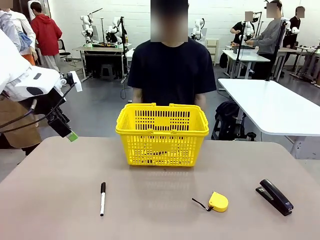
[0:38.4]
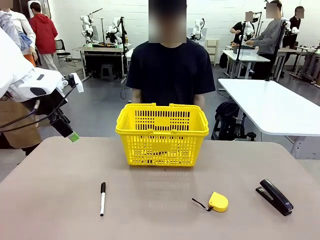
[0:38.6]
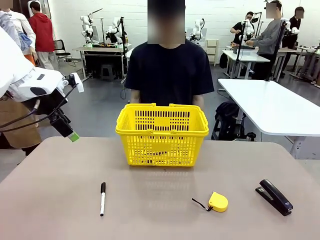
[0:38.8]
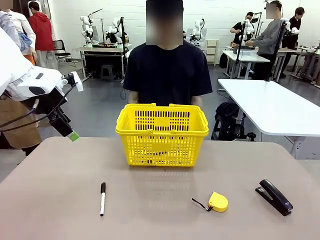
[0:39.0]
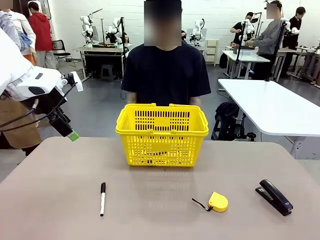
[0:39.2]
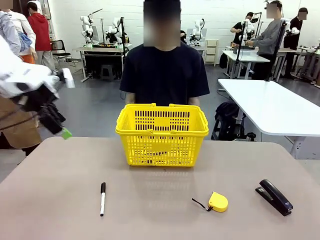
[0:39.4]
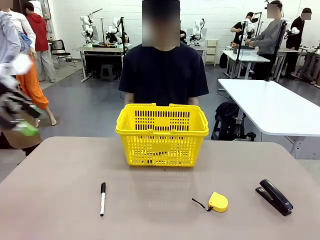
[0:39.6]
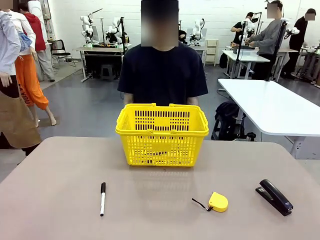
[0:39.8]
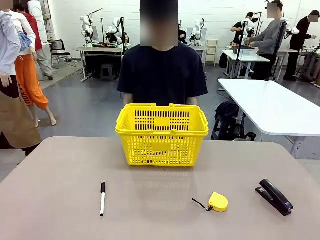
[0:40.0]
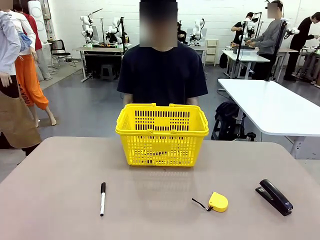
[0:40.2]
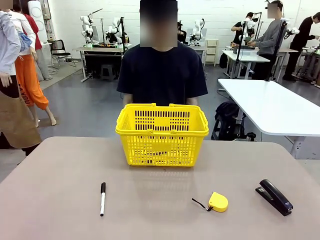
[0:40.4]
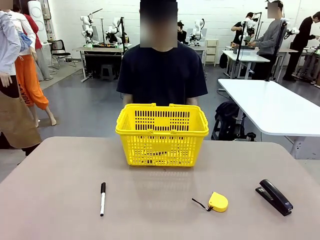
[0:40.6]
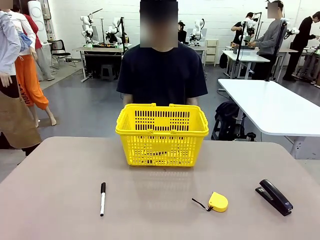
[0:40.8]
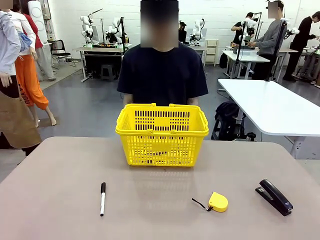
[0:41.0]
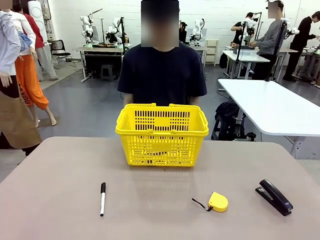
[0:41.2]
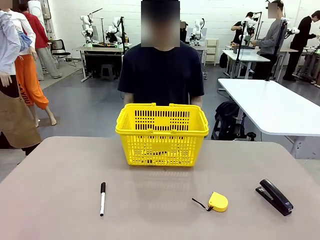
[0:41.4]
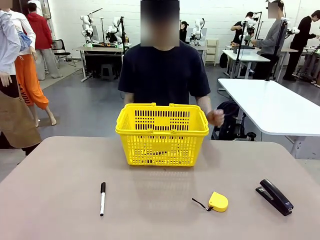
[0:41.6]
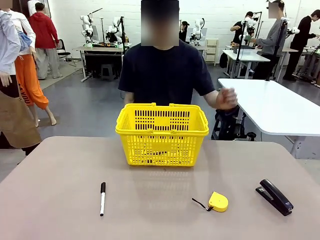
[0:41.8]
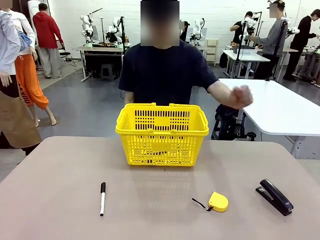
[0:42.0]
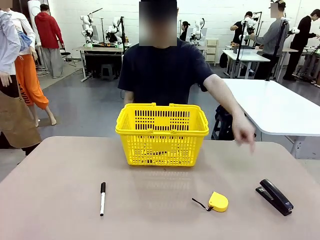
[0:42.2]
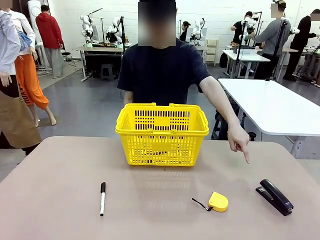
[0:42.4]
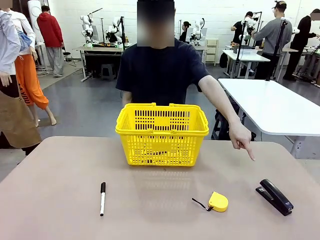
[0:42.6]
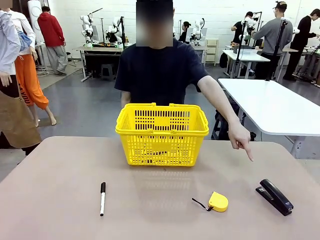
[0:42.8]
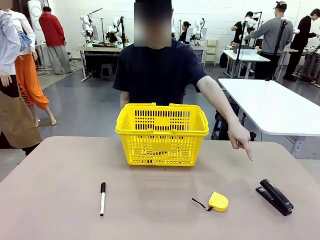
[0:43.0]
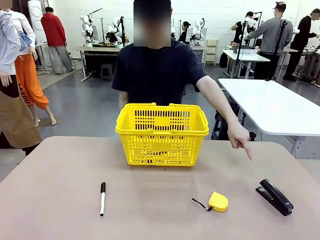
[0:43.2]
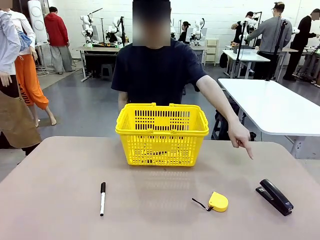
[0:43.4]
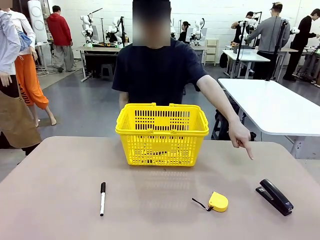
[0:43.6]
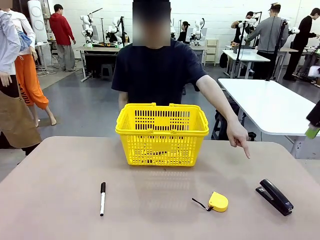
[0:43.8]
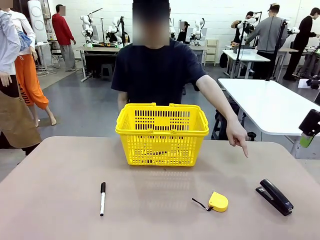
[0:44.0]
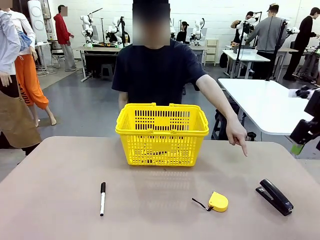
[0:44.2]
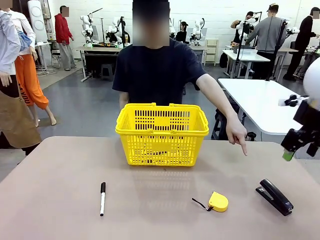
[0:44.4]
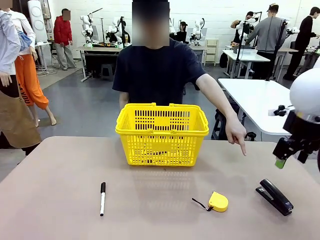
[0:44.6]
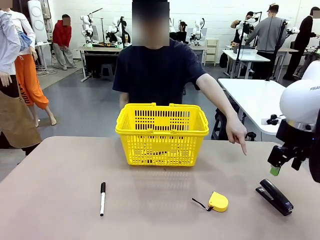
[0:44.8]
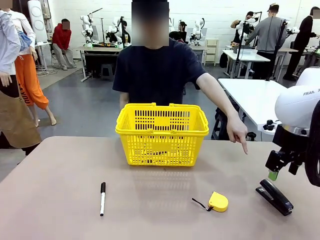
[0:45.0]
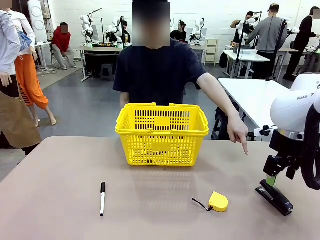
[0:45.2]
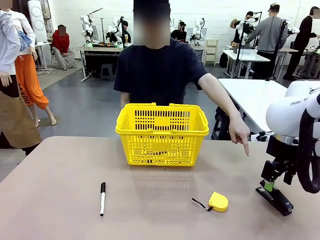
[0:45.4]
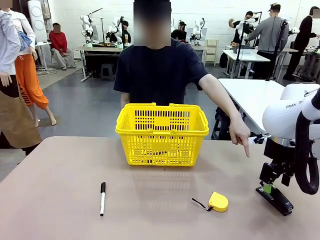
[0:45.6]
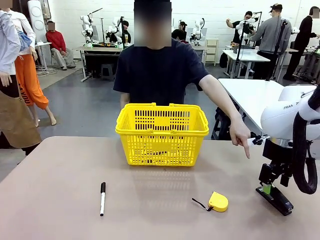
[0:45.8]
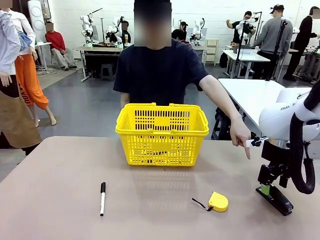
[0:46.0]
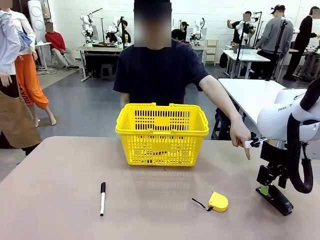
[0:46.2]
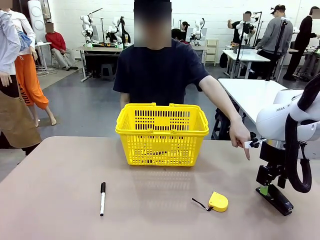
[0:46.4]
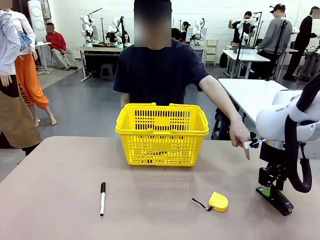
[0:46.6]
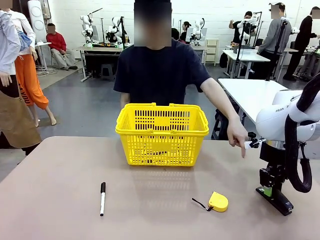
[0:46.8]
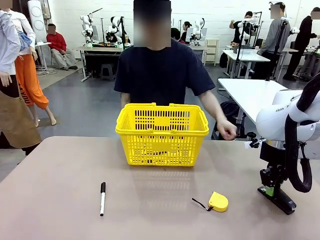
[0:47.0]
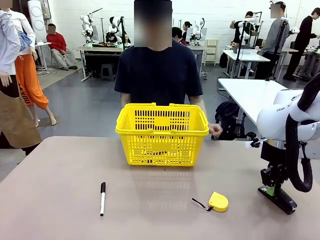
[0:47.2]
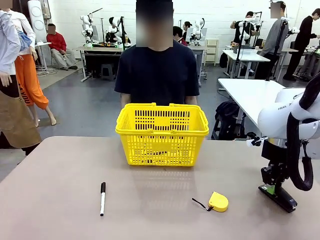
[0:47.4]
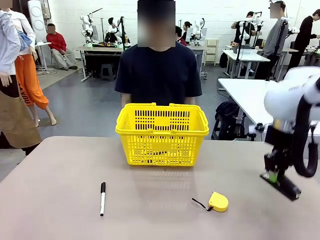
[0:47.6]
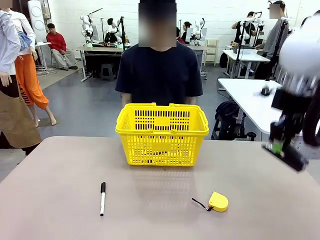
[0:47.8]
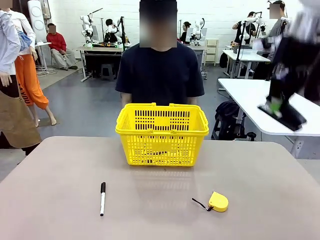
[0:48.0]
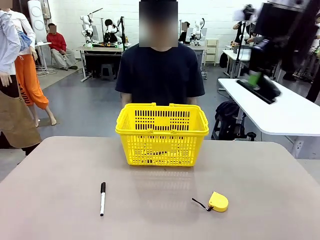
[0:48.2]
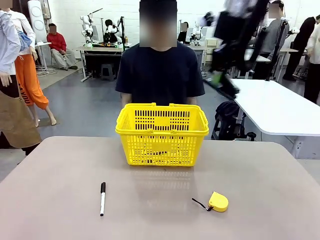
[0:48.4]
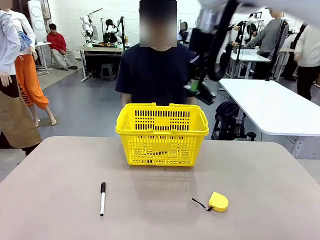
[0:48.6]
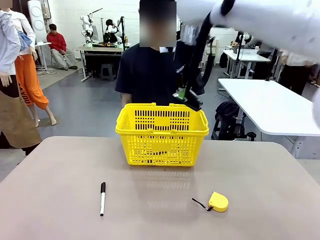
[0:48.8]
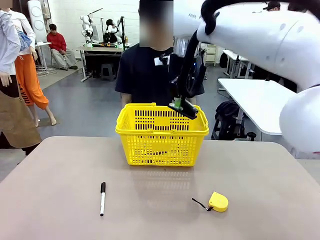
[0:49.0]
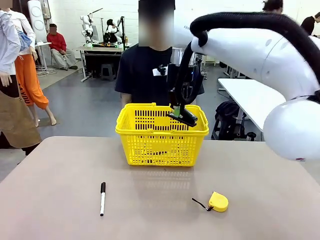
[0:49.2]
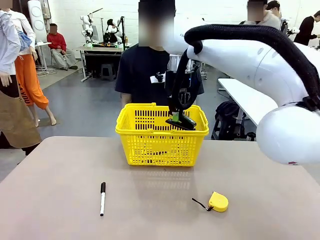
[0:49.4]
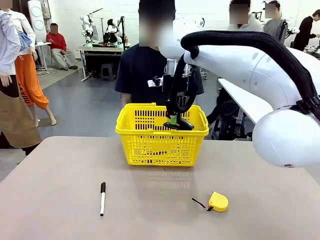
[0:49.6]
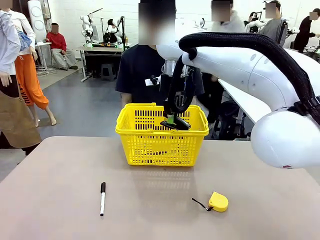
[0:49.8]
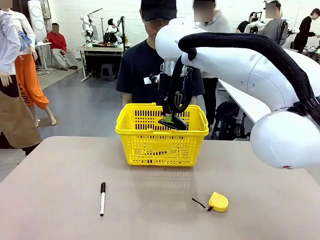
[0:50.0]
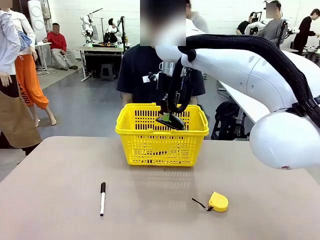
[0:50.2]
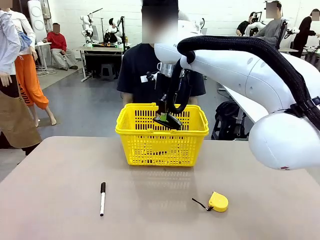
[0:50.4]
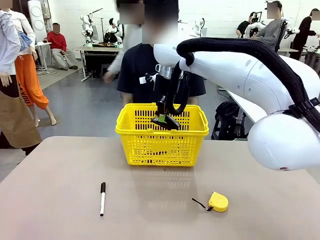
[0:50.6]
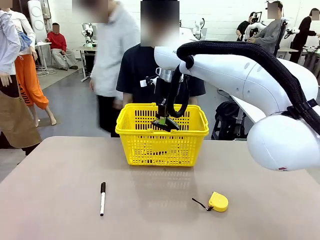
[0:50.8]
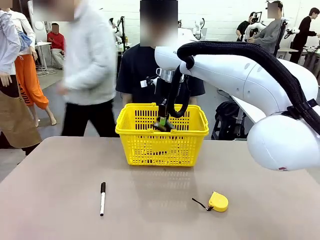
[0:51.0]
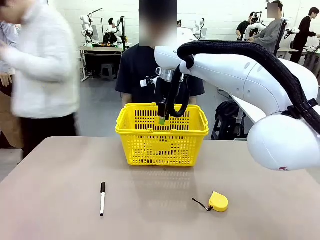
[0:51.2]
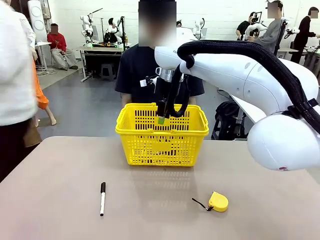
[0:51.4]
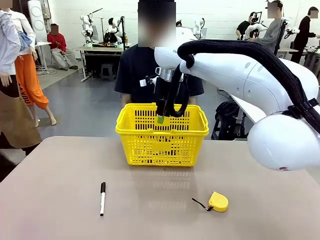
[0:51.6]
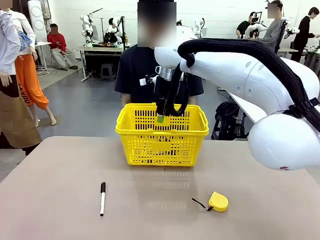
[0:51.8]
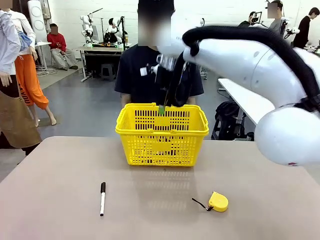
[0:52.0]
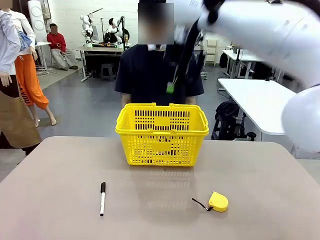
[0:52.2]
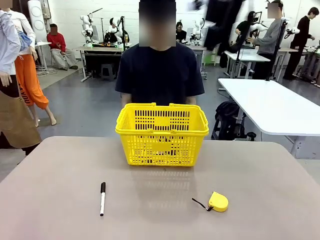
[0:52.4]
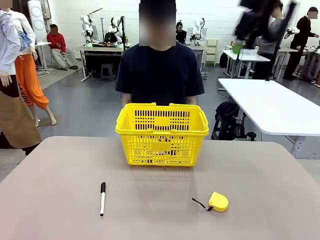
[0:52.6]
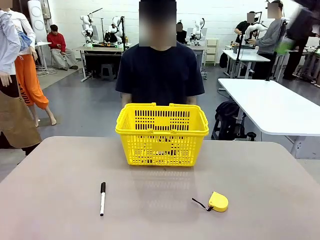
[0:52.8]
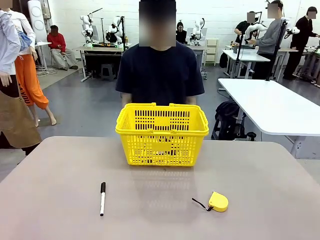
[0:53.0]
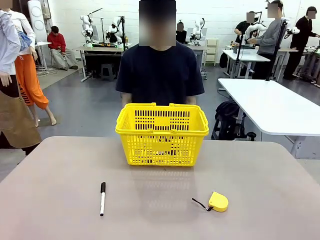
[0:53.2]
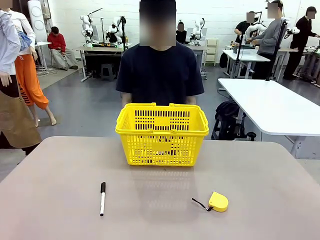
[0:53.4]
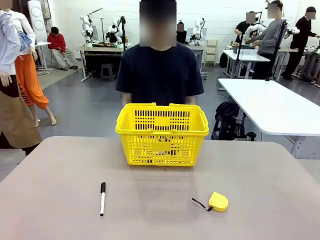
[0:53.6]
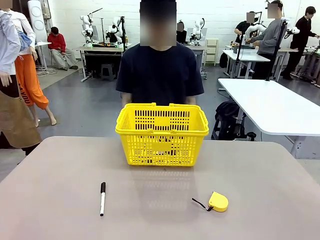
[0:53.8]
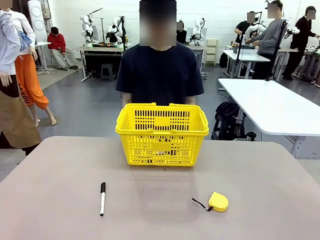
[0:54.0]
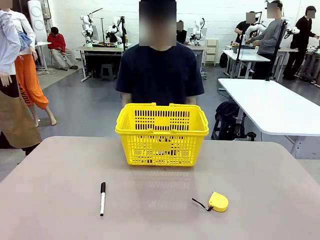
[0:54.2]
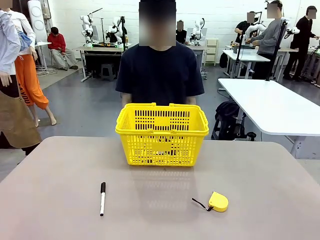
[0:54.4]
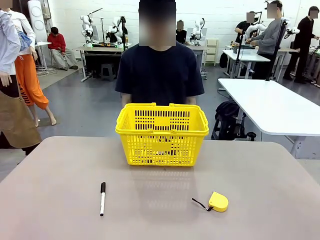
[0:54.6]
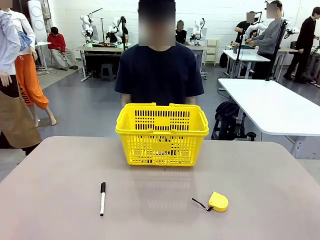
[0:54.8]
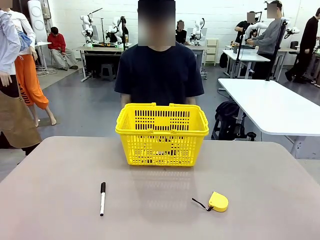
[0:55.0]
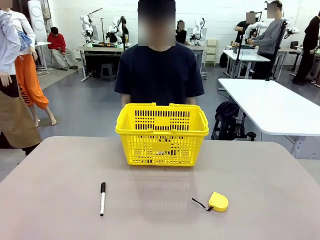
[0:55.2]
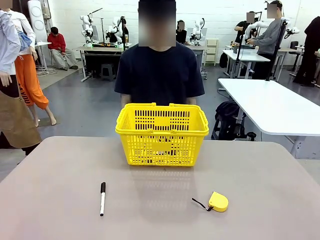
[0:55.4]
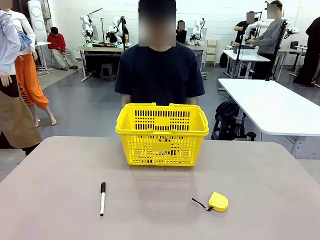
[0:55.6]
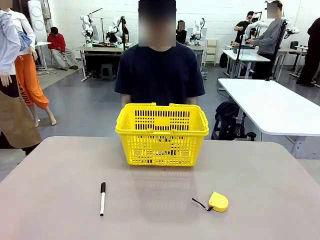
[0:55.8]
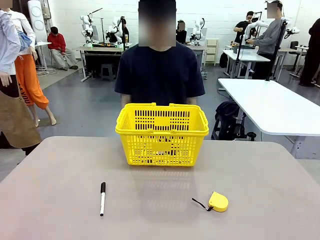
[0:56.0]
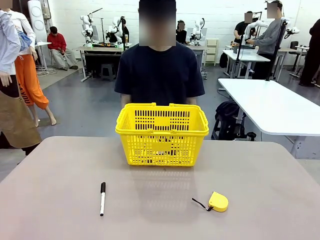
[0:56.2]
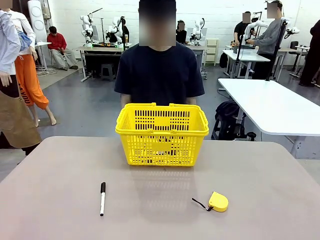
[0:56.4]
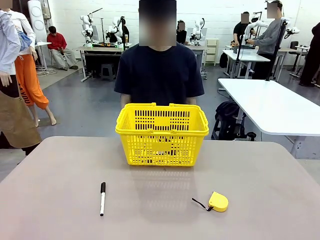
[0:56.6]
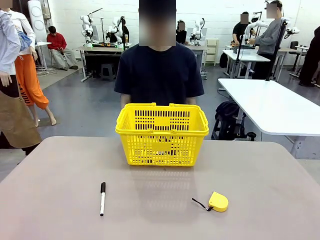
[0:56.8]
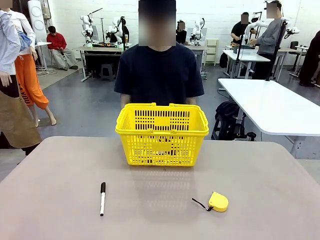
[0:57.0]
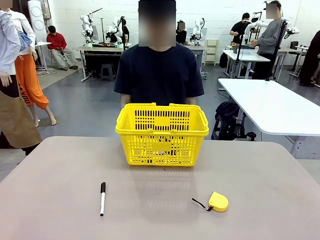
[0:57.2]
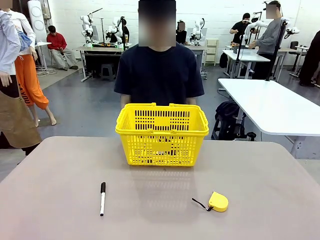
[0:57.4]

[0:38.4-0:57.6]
Task: Place the items the person wants into the basket.
Robot: Pick up the item the person points to and place it in the Market Basket.
